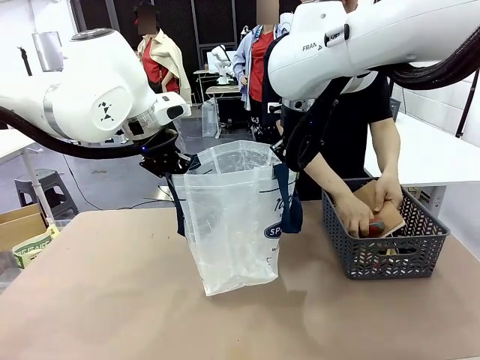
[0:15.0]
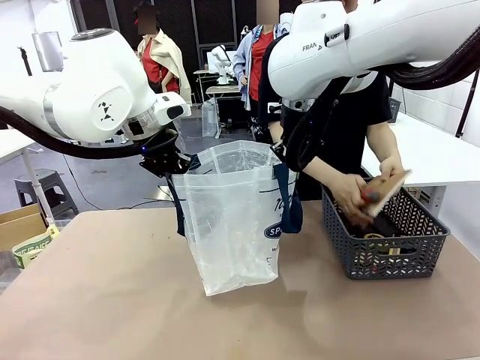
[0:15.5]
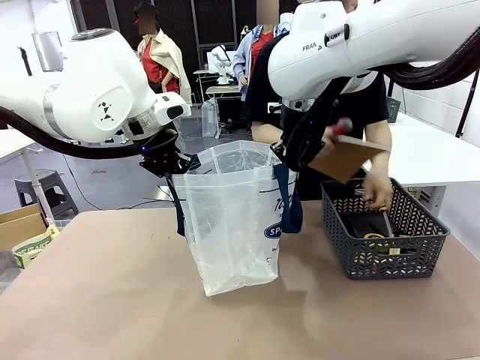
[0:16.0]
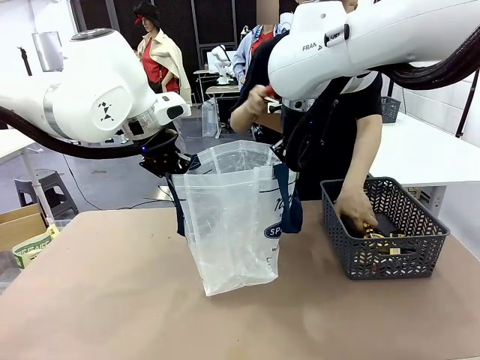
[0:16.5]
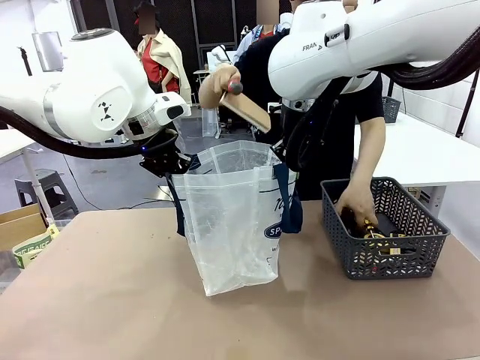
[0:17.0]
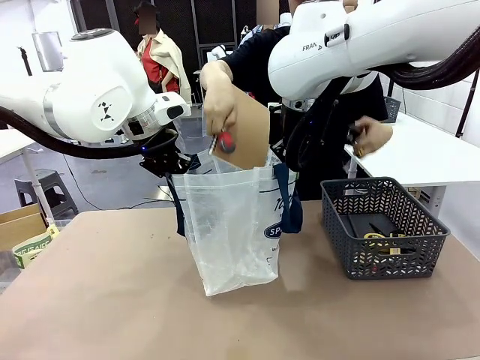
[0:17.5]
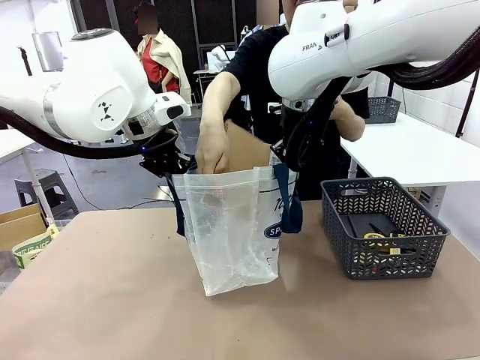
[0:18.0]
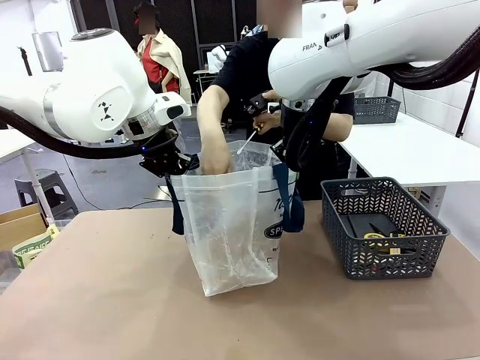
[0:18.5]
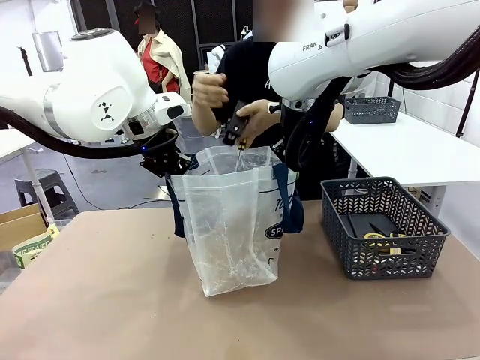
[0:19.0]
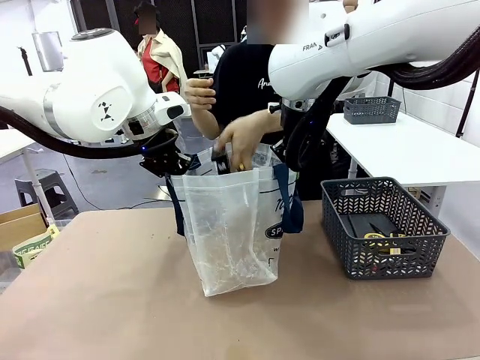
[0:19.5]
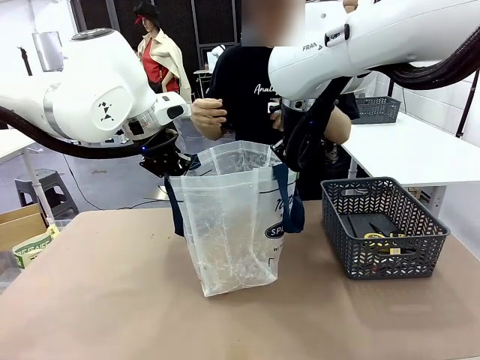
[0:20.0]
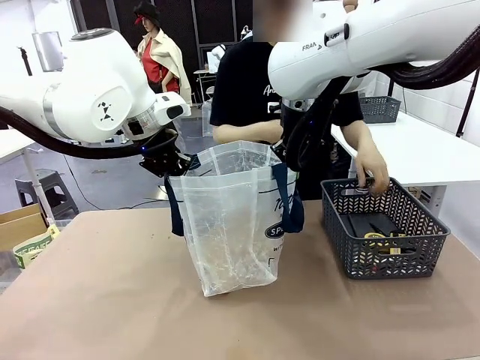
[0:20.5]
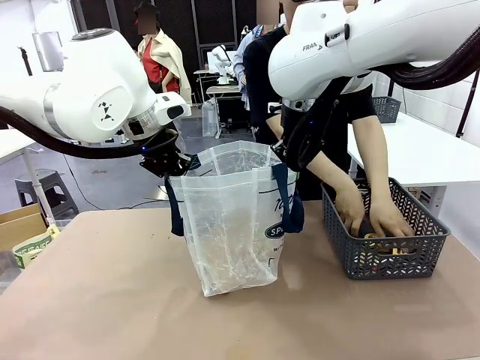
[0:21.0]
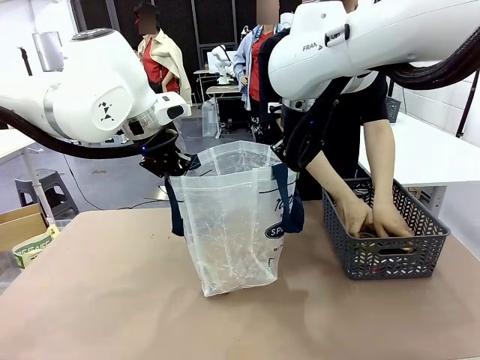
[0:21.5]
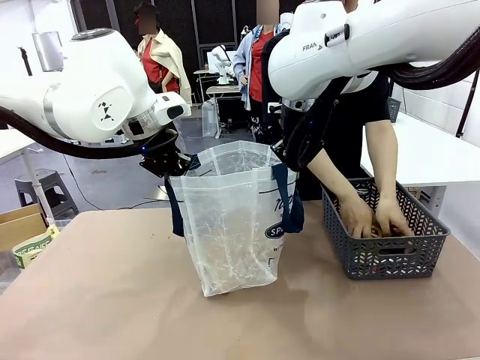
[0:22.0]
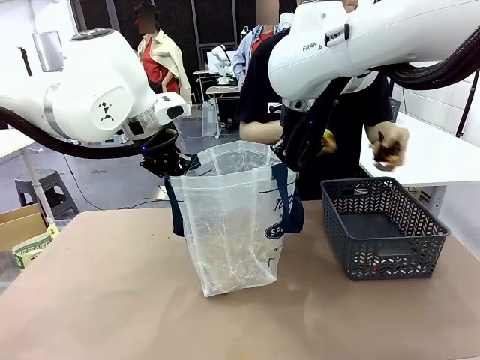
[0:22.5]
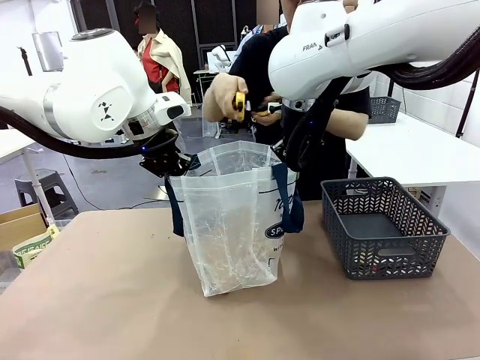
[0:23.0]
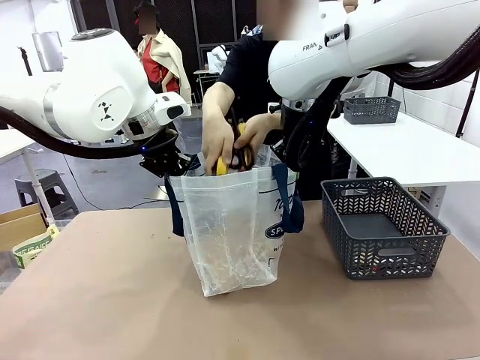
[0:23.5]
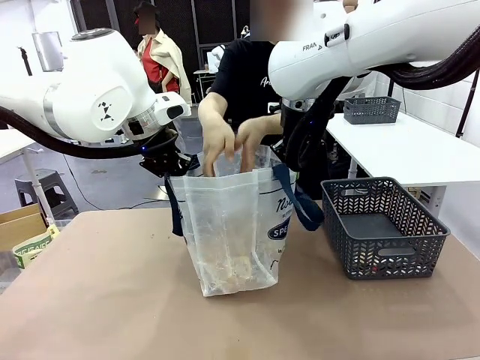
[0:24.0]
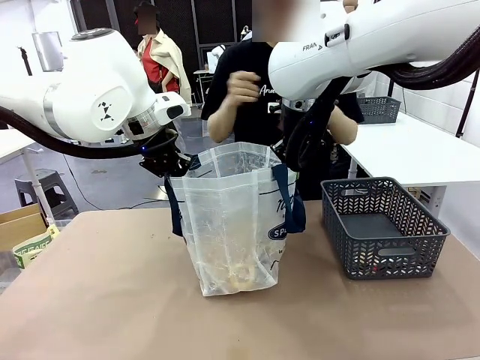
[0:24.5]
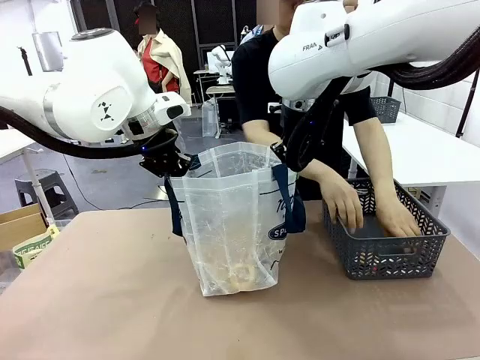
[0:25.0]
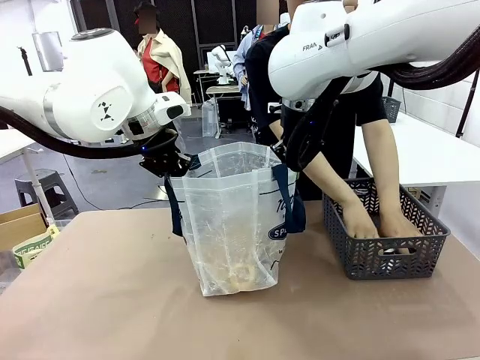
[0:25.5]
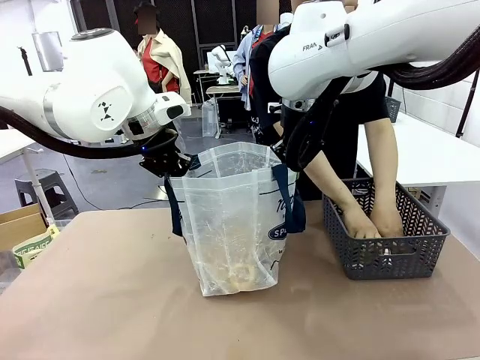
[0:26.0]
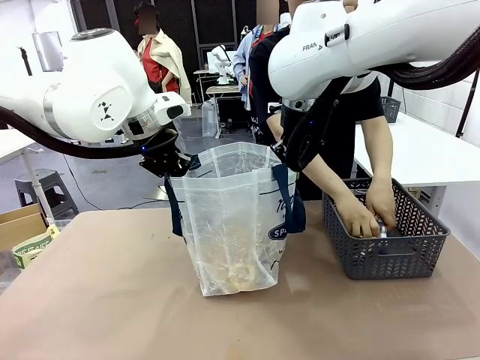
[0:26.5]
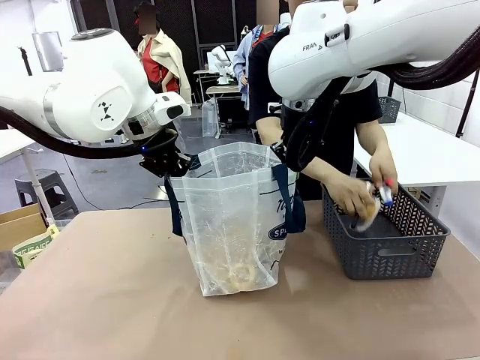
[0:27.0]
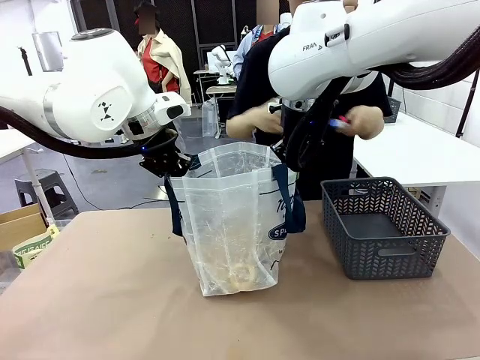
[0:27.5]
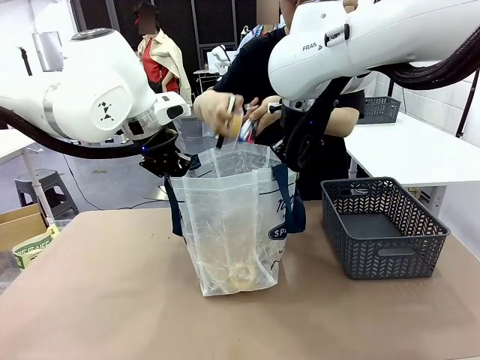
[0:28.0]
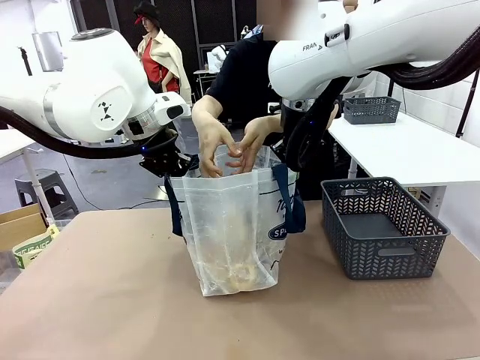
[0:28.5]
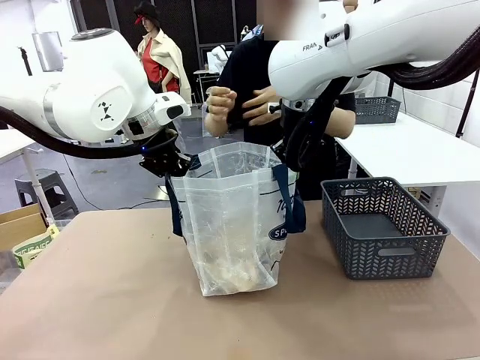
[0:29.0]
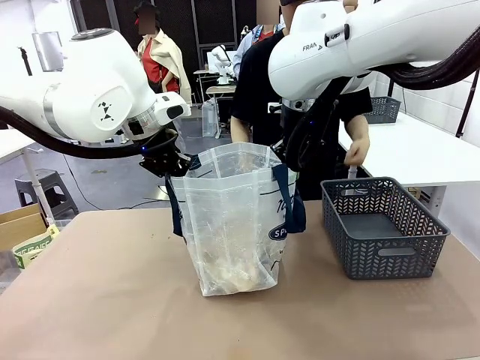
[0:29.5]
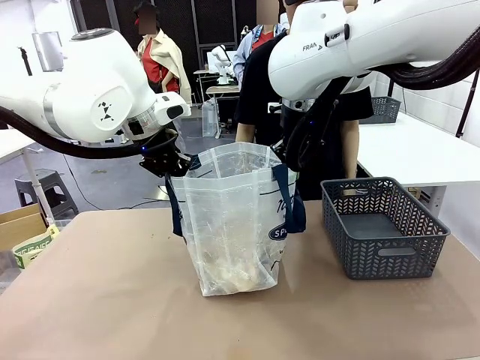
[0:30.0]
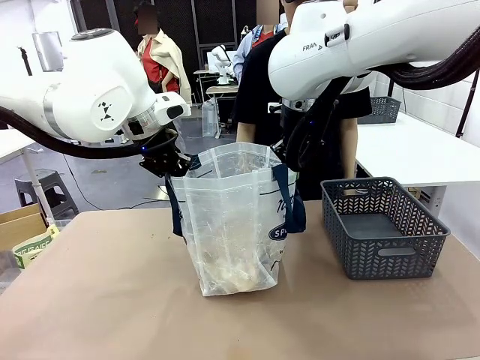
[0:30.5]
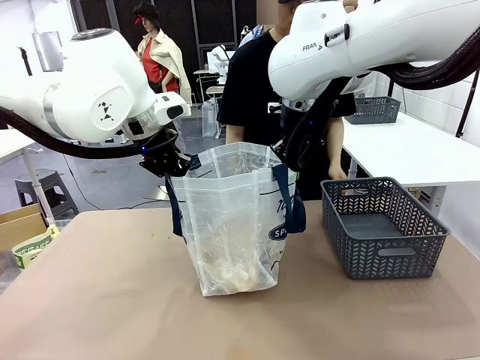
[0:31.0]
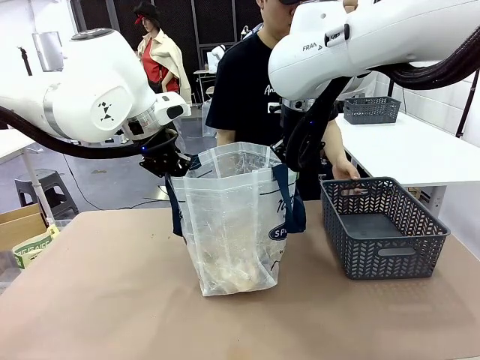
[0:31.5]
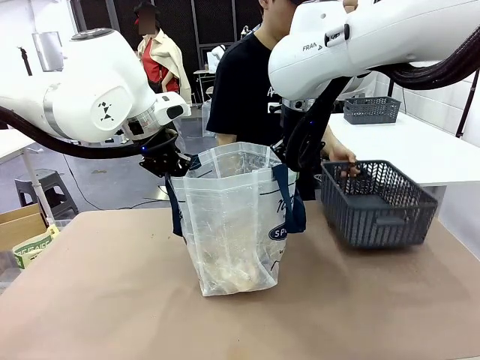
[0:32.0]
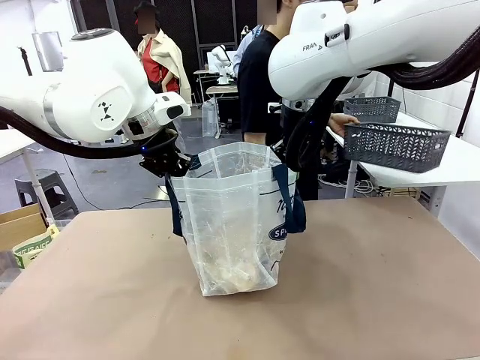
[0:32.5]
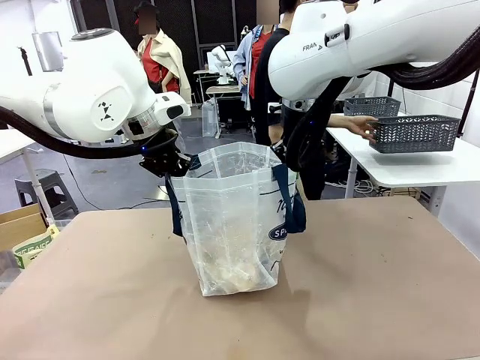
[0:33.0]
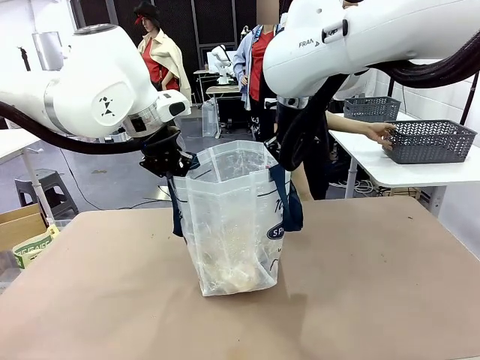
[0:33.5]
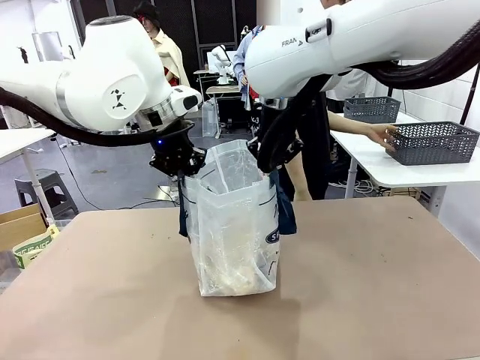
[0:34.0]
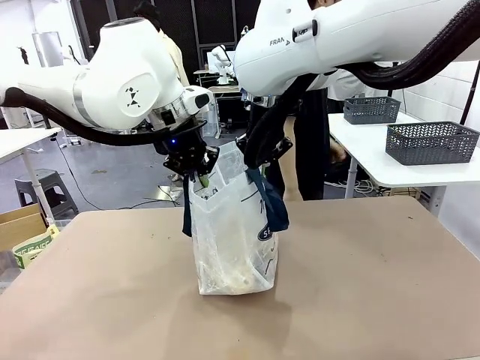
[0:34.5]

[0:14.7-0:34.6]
Task: Transfer purchased items from the store into the shopping bag.
Robot: Move the Reusable shopping bag to the right side of the table.
Person: Pick up the basket on the right, place it on the left side of the robot table, and move the items in the basket to the shopping bag. Pick up the basket with the items out and place it on the right side of the human table.
